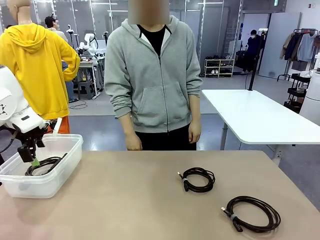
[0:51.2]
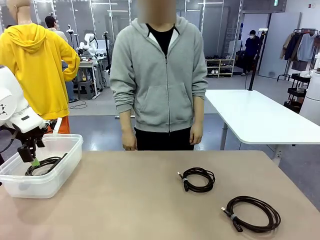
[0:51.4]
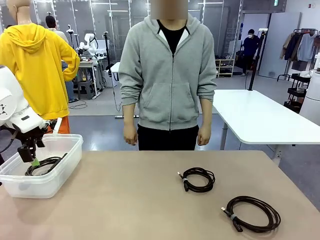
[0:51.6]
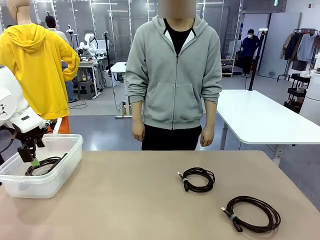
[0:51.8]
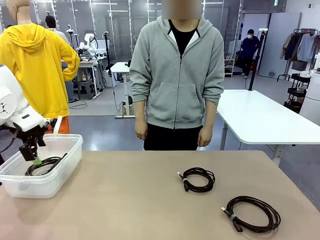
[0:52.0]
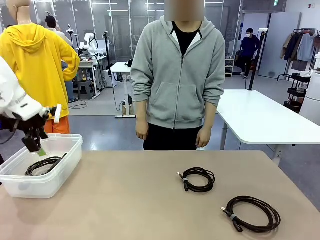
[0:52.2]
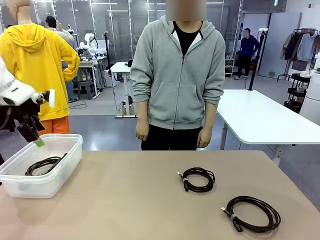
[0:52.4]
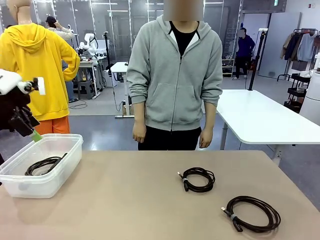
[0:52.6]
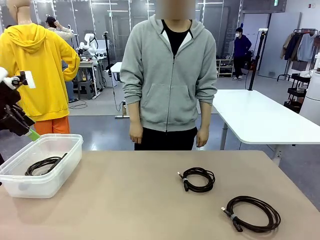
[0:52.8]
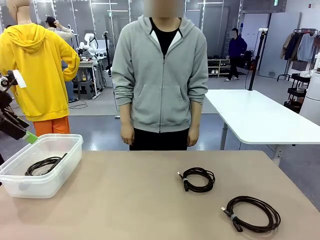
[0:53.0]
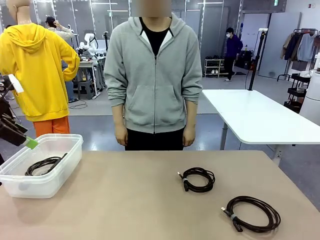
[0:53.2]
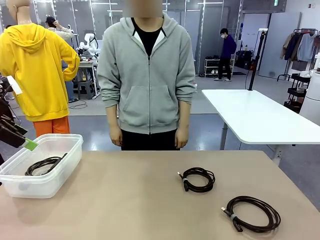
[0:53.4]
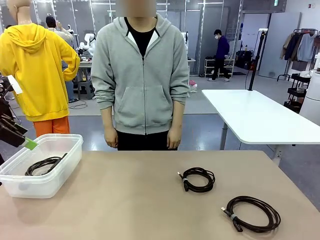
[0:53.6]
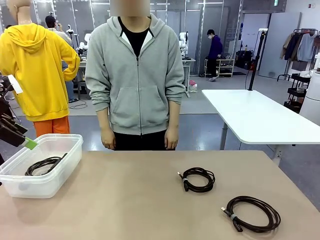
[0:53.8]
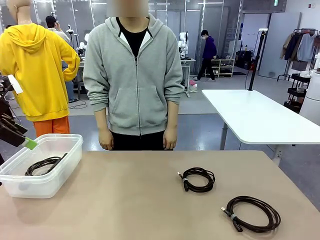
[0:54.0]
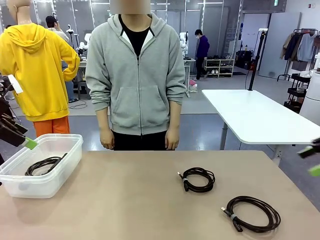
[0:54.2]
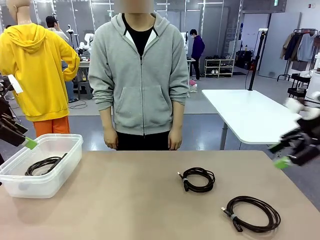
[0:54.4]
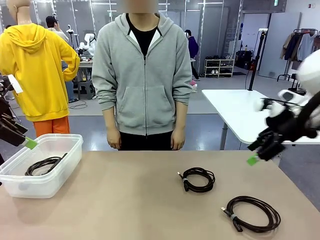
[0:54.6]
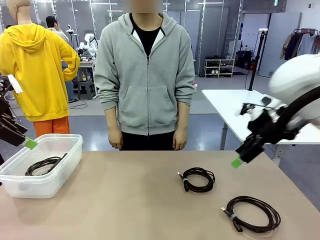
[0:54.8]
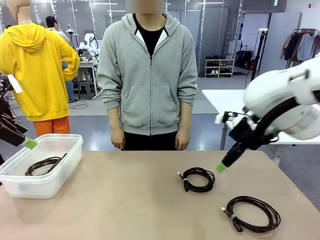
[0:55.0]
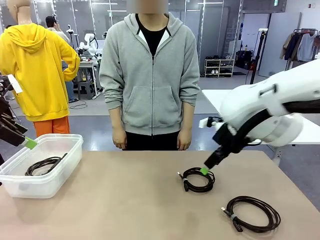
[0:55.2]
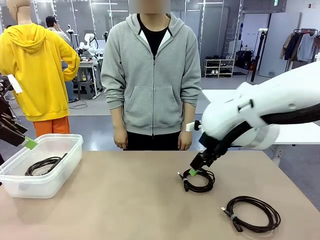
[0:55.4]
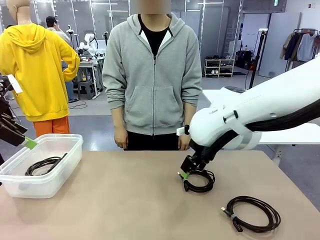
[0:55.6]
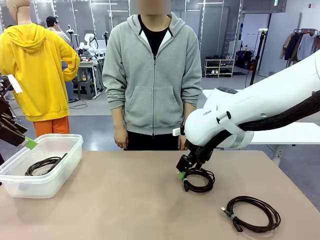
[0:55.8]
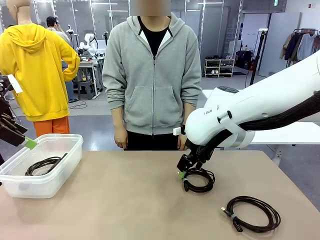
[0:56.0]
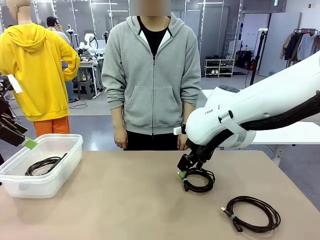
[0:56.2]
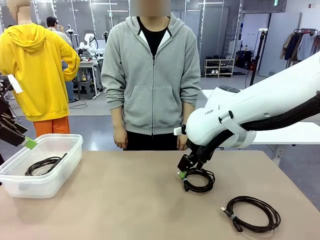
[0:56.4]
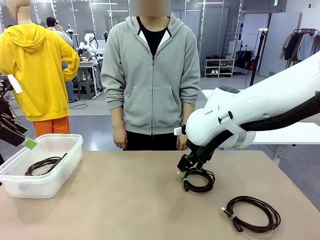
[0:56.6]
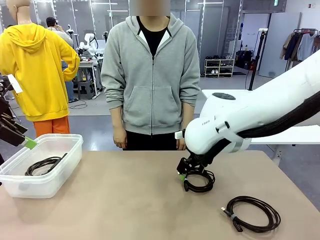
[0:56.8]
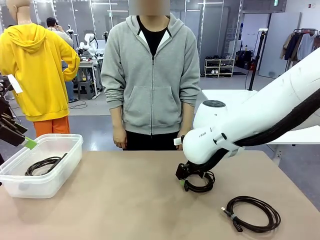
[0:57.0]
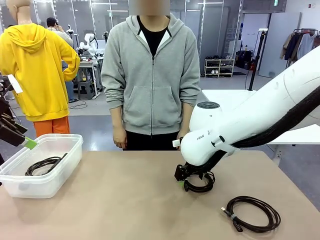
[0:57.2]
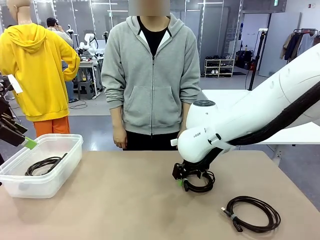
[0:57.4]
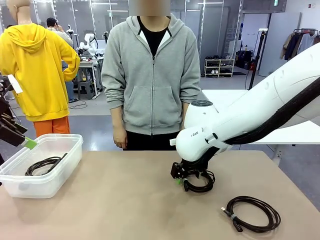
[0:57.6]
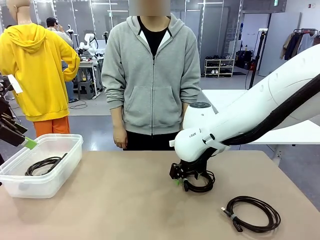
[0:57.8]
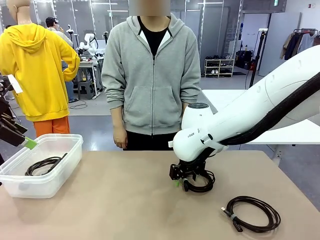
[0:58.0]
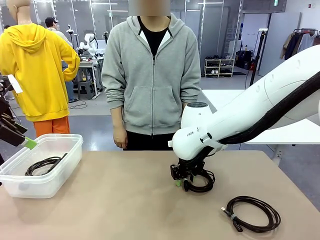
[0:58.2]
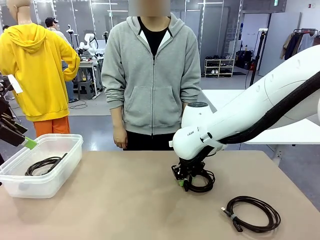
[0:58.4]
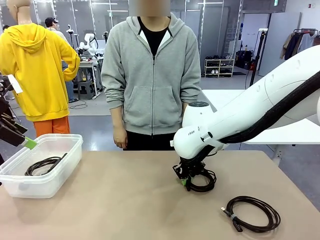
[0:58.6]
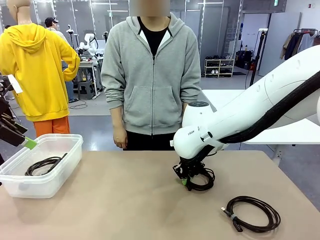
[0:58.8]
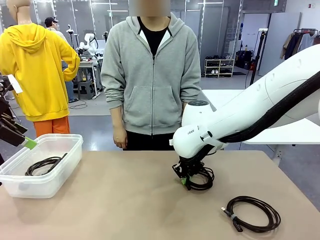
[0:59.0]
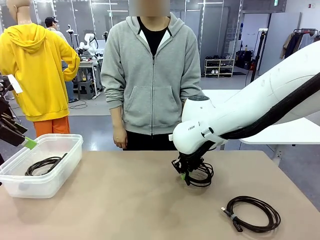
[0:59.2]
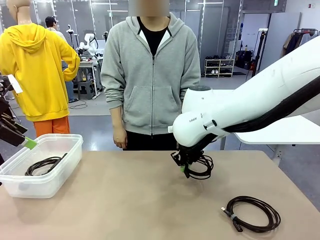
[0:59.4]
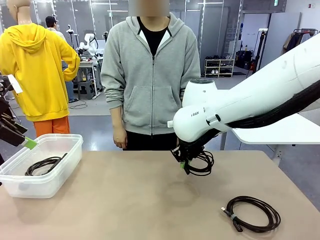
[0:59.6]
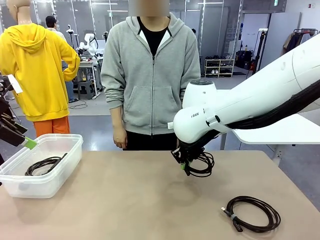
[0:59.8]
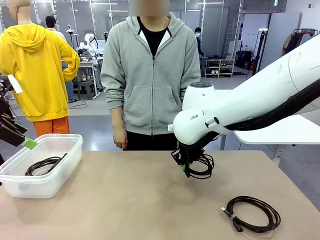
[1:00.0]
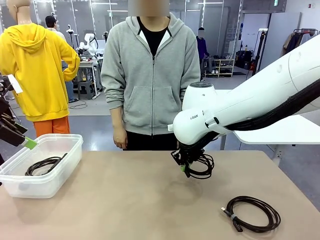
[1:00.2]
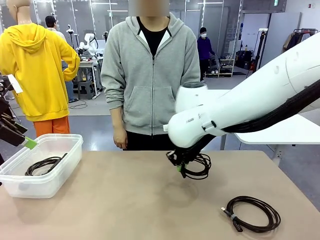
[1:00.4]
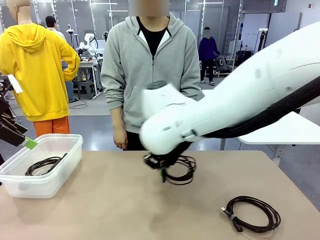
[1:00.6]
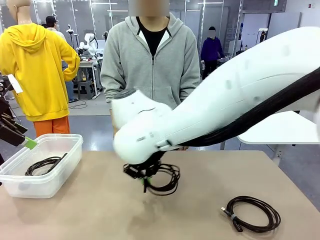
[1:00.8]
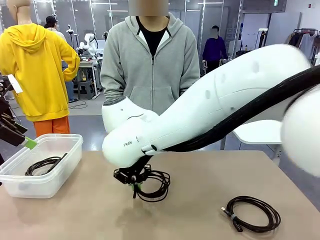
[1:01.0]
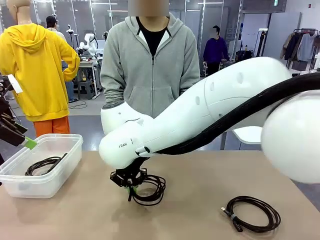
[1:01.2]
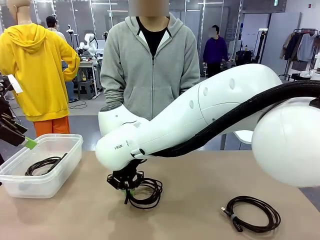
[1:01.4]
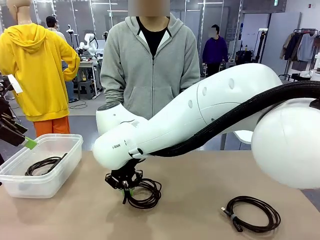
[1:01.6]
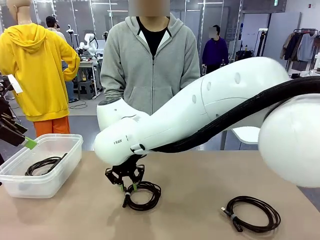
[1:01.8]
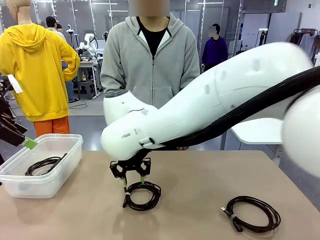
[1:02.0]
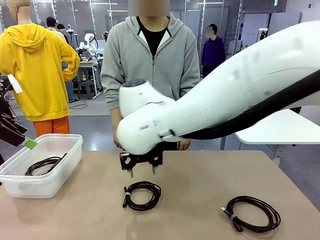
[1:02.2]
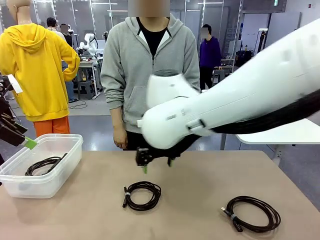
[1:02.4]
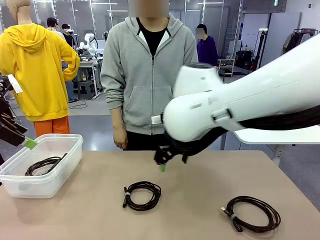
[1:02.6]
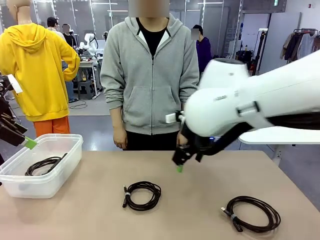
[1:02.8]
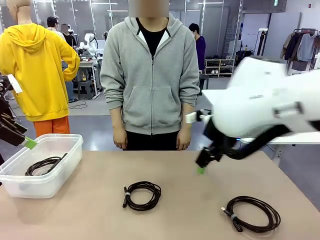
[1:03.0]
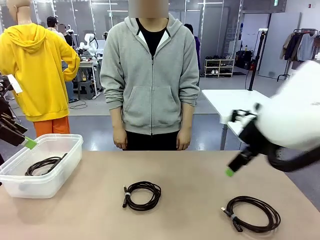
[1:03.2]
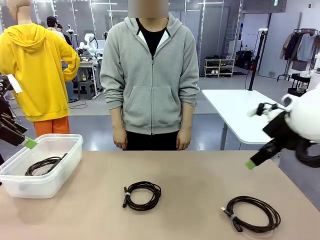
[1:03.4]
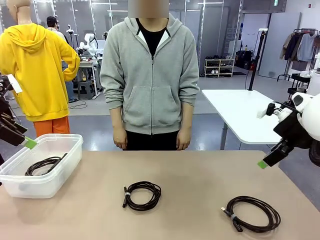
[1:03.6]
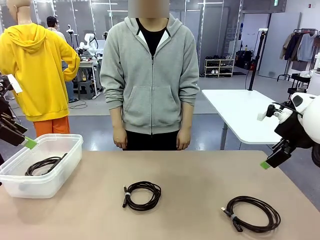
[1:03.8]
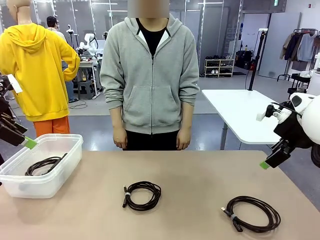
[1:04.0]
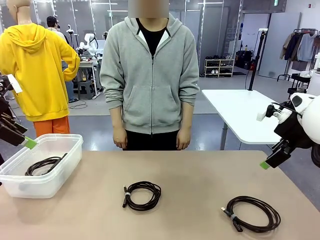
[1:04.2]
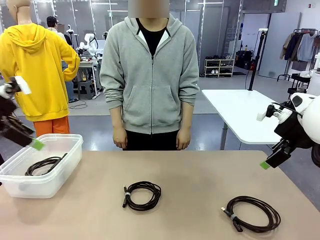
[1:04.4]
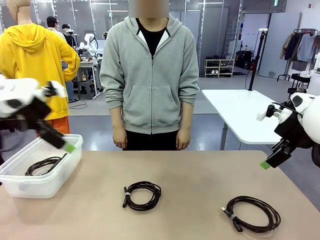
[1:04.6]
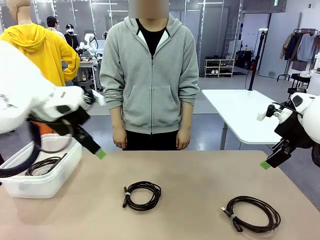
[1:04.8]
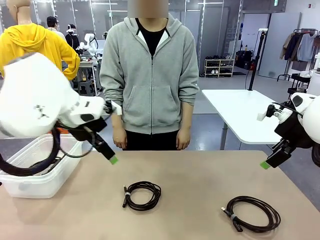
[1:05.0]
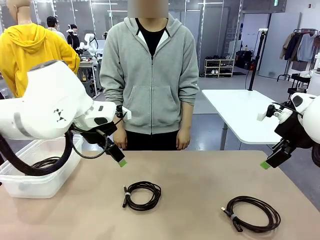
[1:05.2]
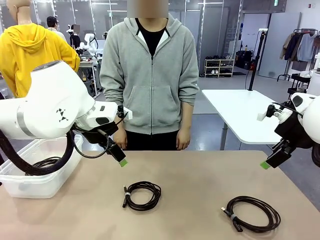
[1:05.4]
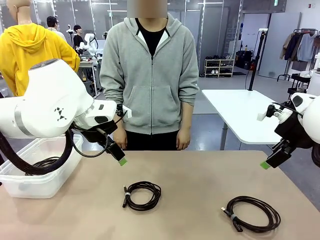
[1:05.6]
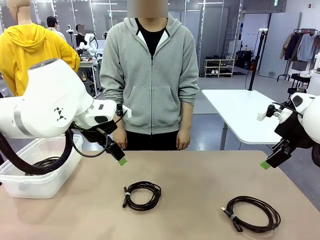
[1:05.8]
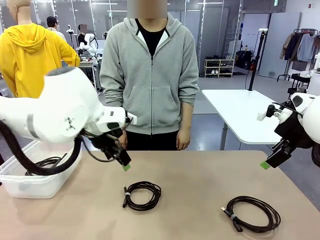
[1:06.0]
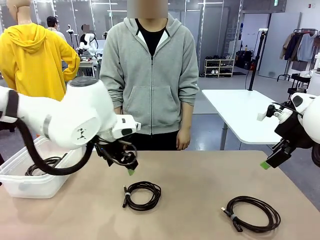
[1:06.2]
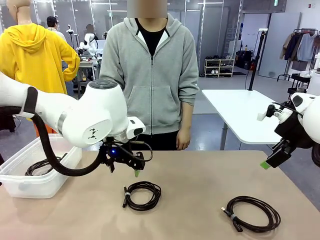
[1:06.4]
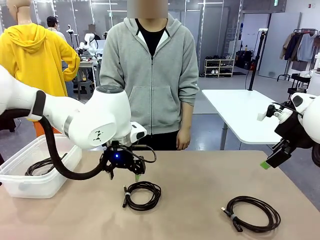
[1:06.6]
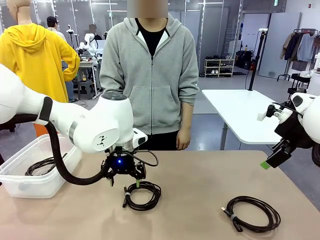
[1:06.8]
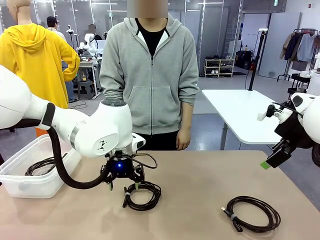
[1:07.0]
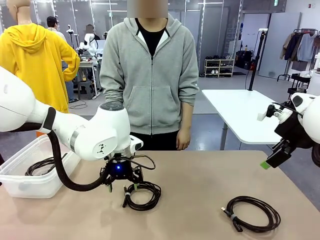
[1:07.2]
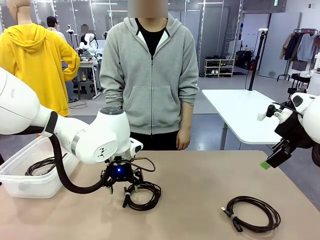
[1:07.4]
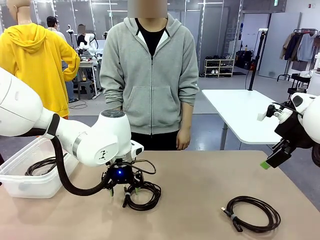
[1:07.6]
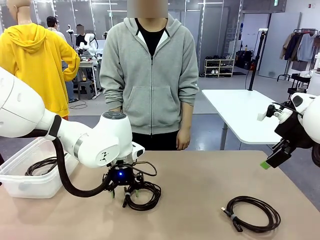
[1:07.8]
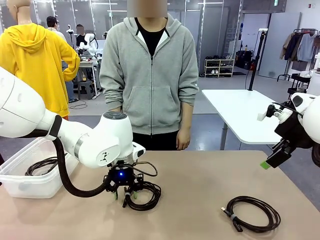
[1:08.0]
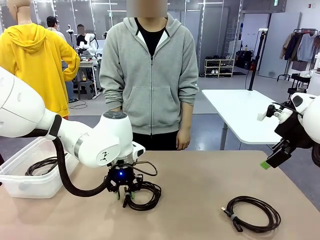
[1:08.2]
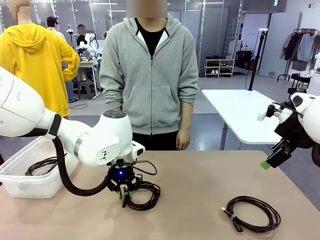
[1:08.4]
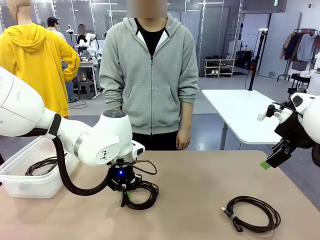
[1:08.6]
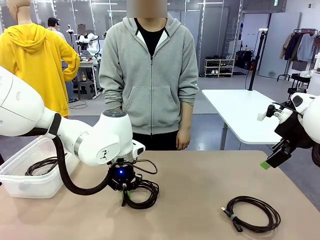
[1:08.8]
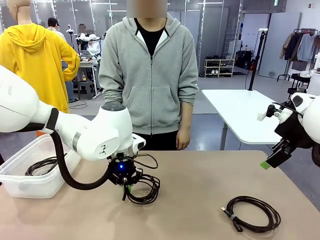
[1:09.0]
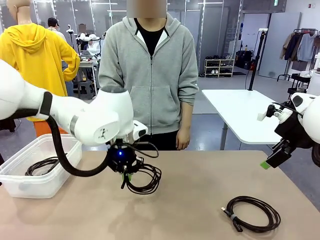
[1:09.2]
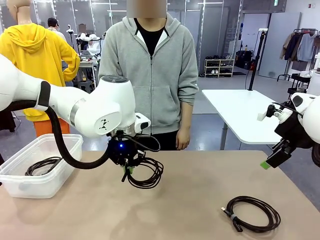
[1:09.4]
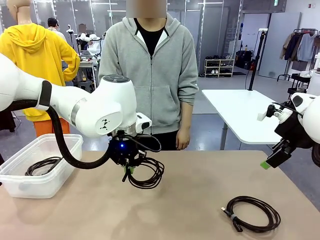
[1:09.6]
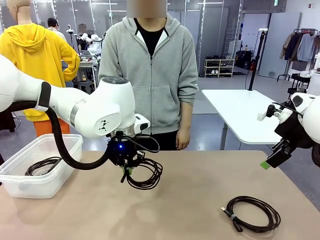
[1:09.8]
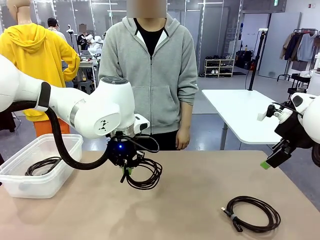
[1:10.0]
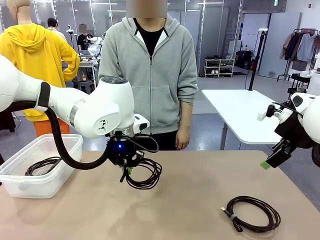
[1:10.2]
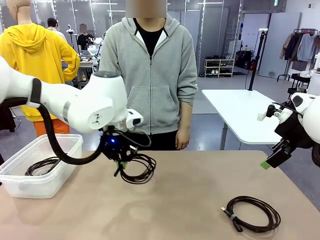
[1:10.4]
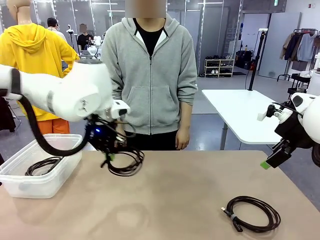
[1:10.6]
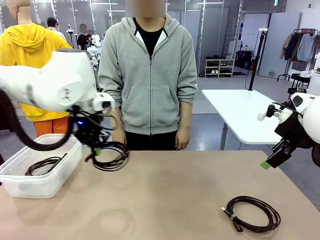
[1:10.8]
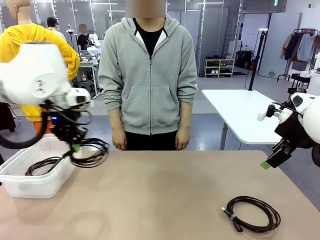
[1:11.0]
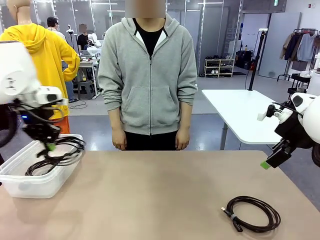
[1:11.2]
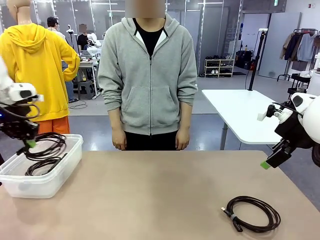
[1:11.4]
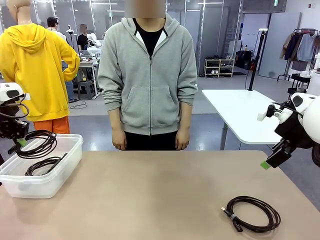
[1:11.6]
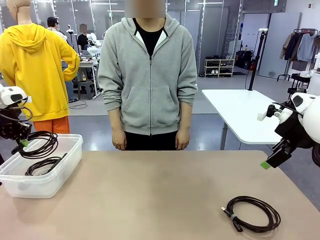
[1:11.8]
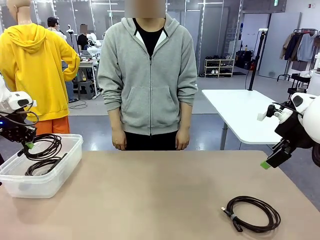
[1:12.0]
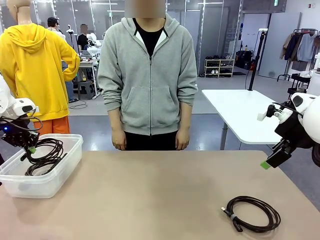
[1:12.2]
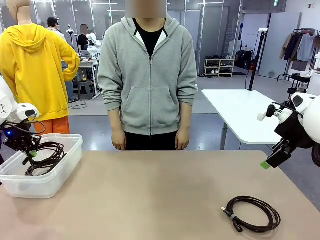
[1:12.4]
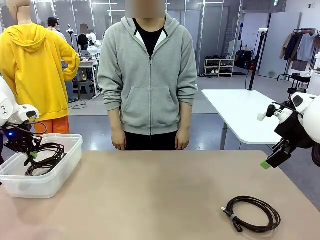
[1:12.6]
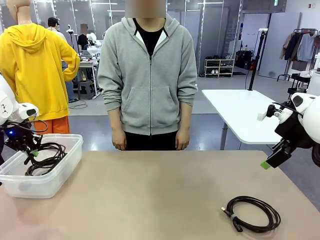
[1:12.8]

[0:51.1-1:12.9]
Task: Organize and store the cables.
Robot: Place the USB Extension Cable into the Organizing box.
